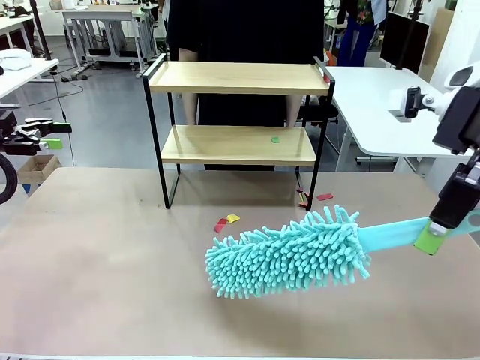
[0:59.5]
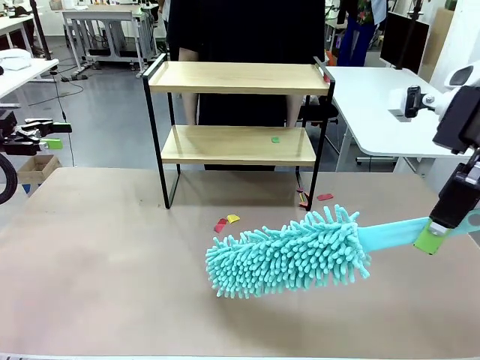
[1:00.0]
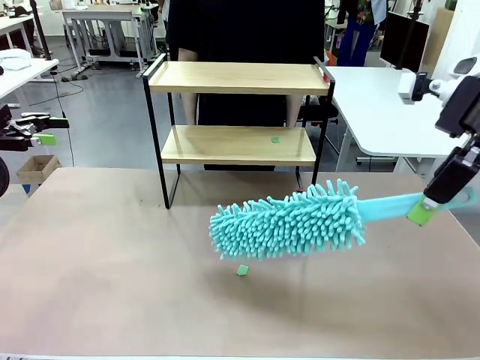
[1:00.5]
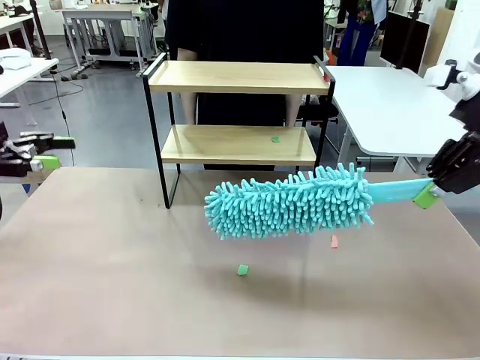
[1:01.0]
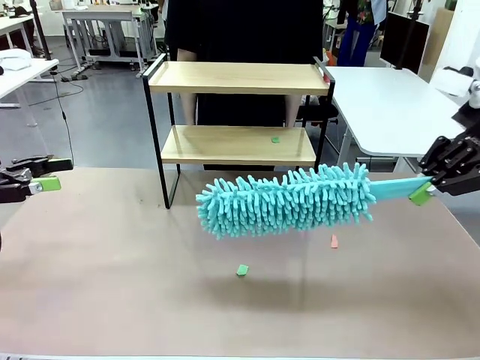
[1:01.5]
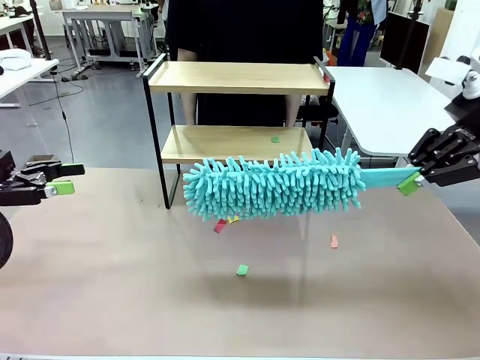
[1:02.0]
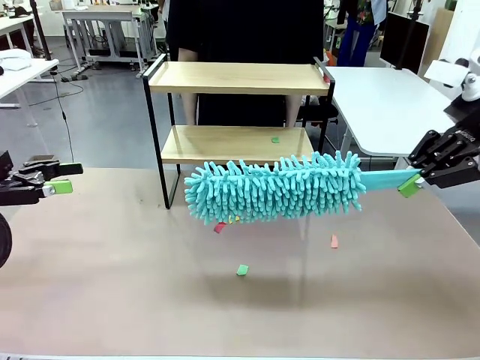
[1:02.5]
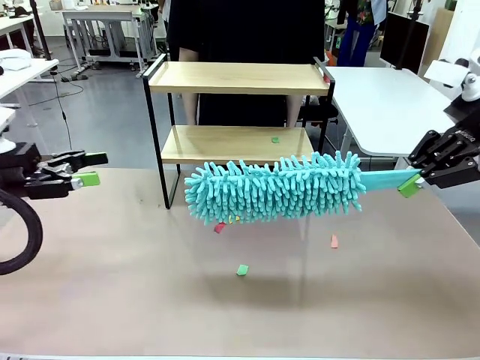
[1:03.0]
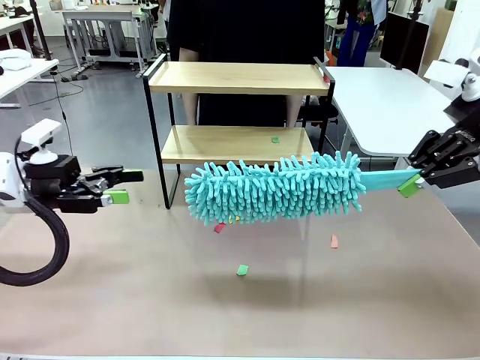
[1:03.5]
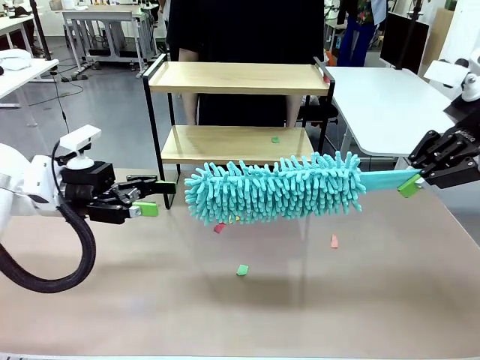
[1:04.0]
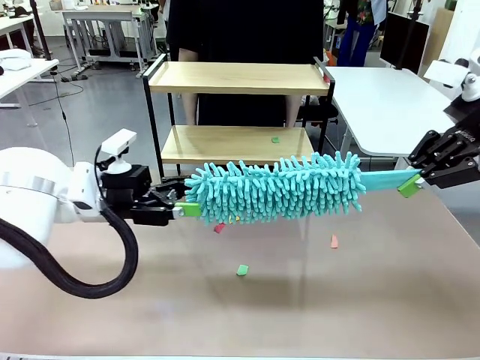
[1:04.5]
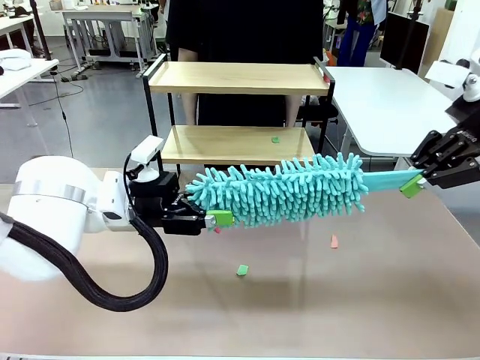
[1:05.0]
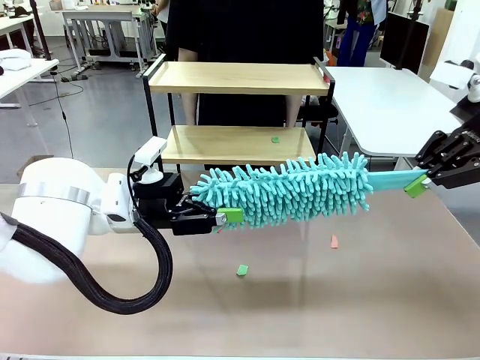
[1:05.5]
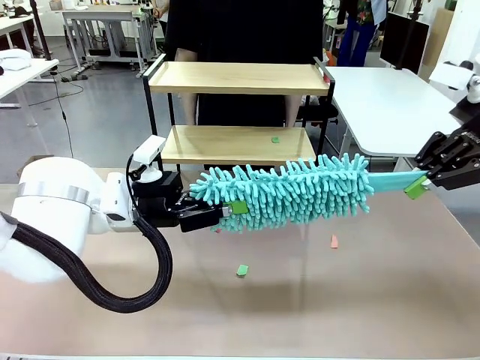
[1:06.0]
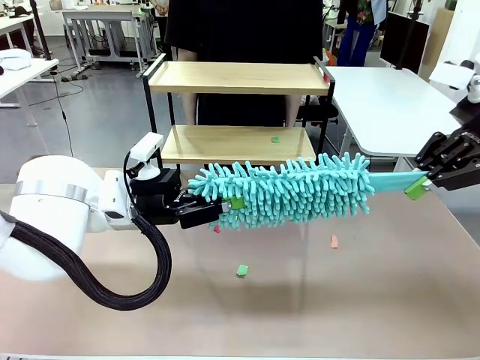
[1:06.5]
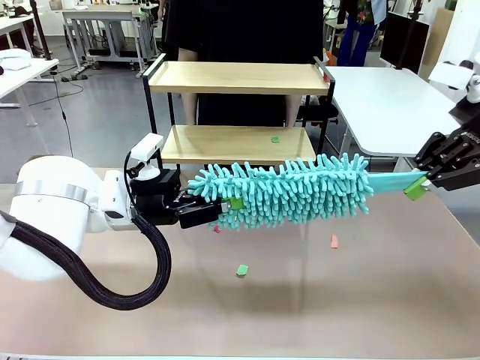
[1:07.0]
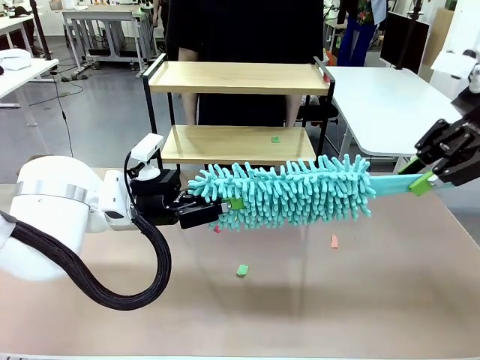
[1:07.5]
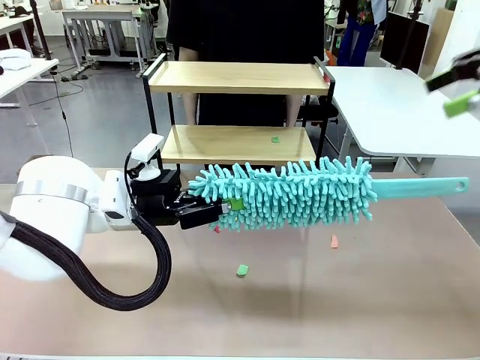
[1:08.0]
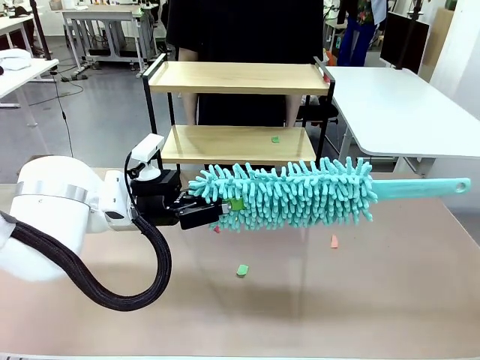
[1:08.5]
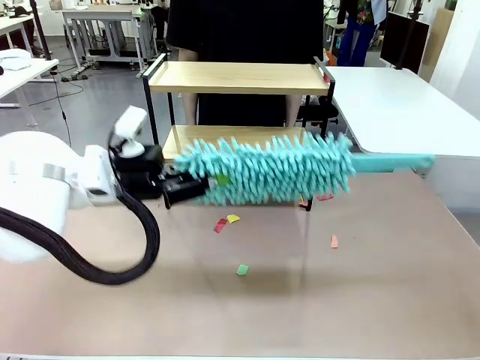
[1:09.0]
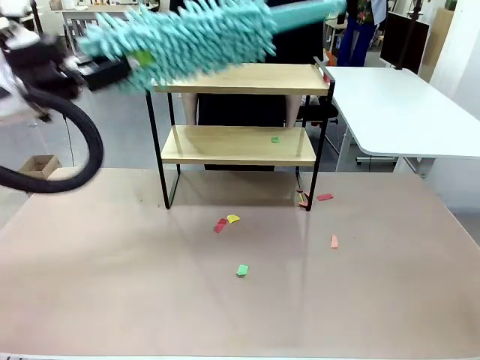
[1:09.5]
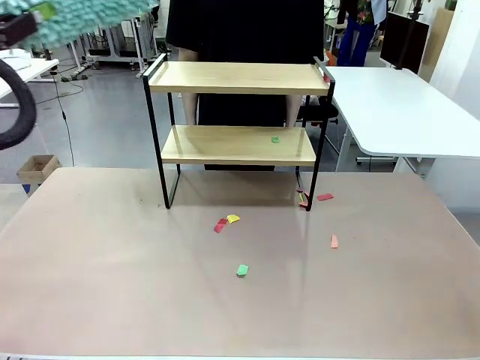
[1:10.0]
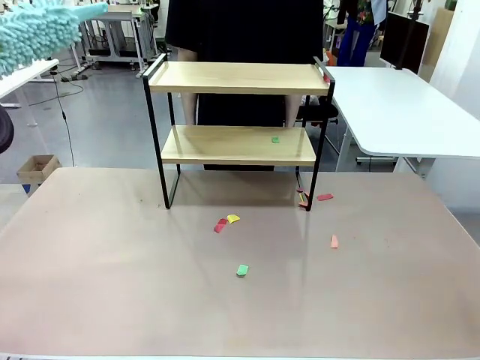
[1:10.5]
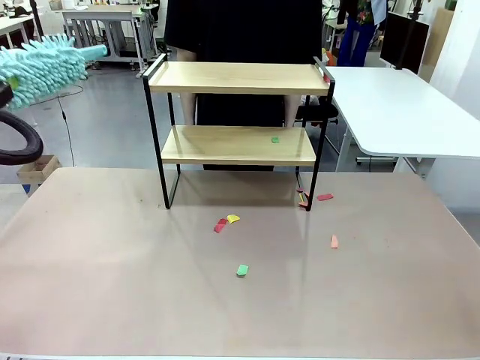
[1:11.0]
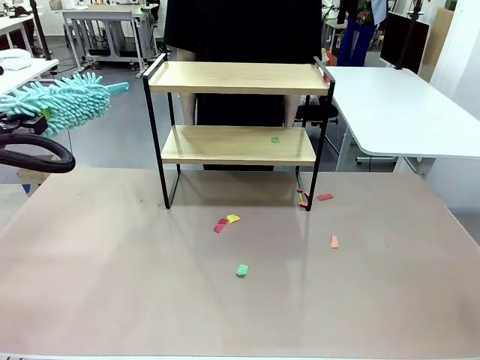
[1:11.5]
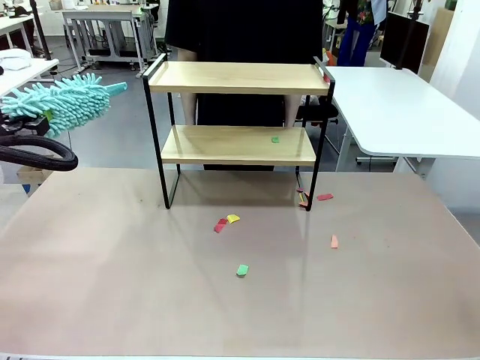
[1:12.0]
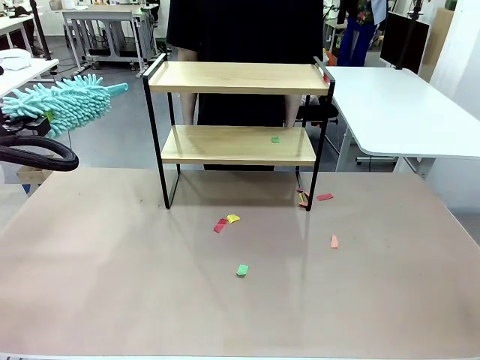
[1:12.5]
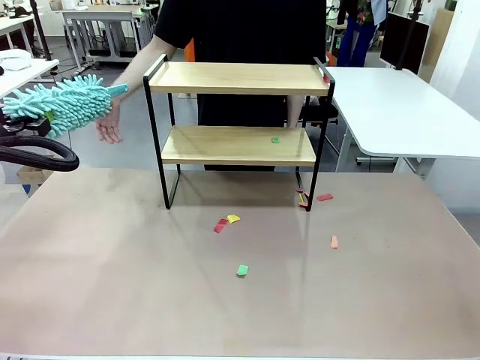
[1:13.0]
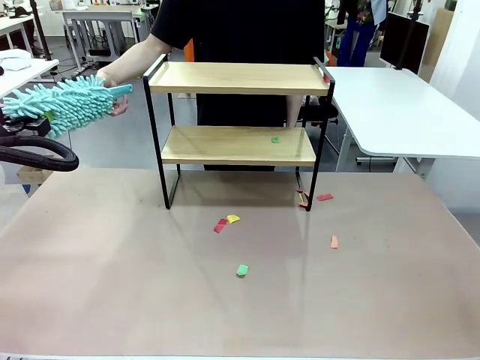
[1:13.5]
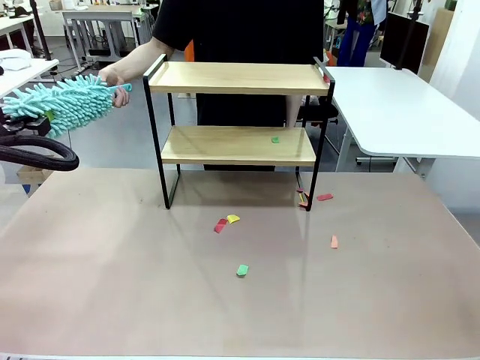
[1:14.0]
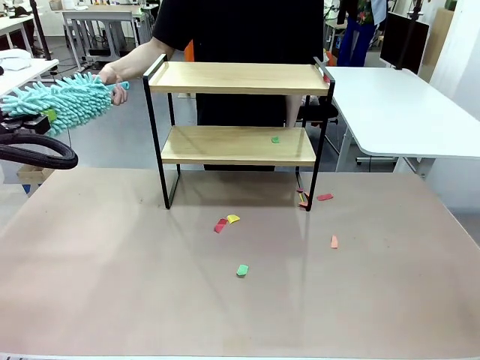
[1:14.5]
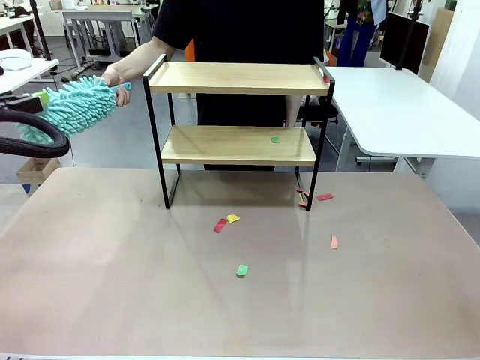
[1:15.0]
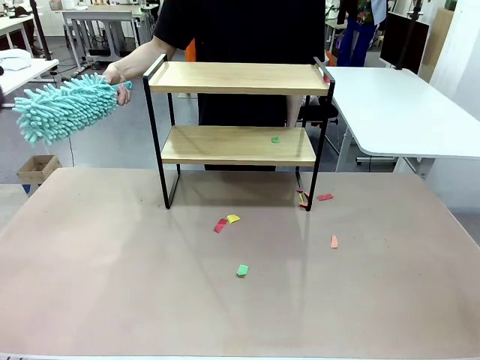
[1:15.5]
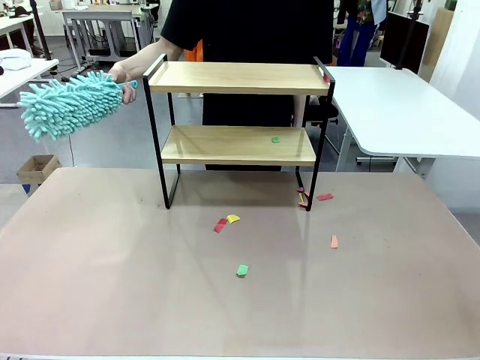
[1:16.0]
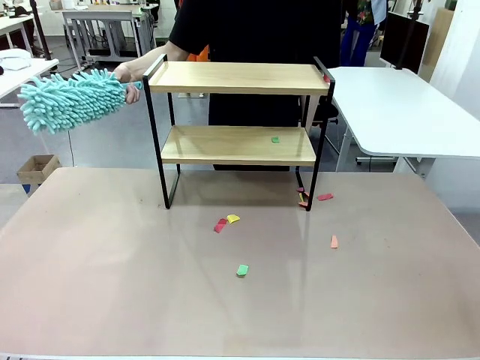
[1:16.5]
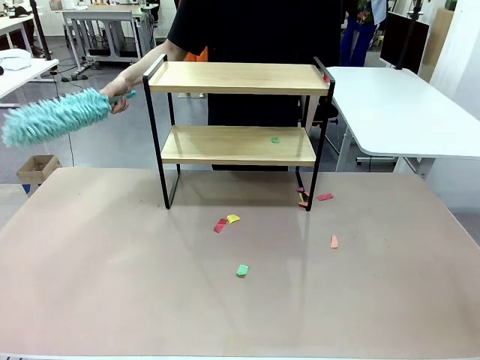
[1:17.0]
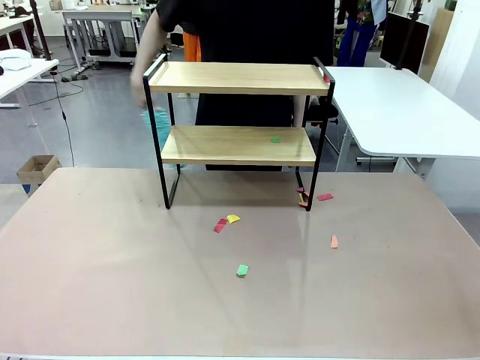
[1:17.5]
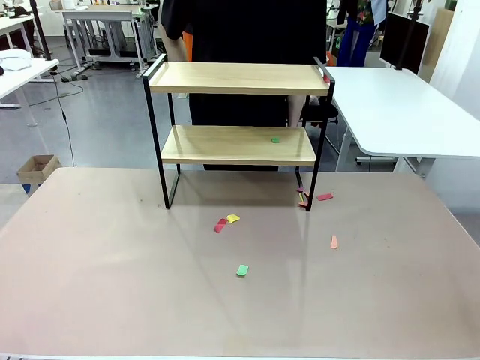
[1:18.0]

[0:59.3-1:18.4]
Task: Clean the shelf.
Robot: Hand the Duster back to the human.
Person: Receive the Duster from the robot.

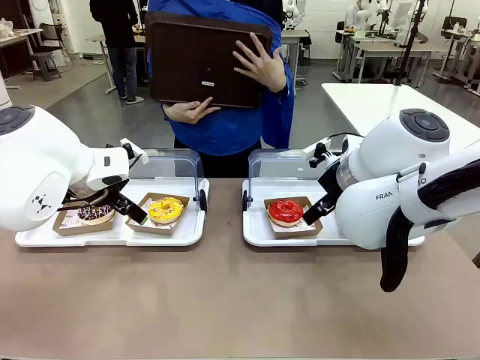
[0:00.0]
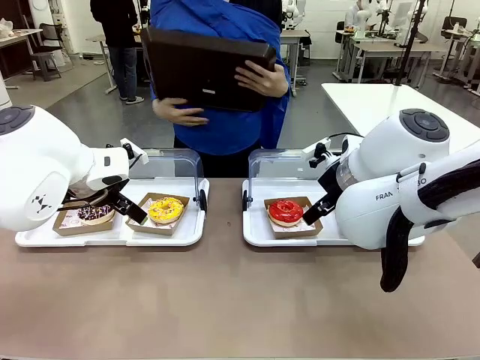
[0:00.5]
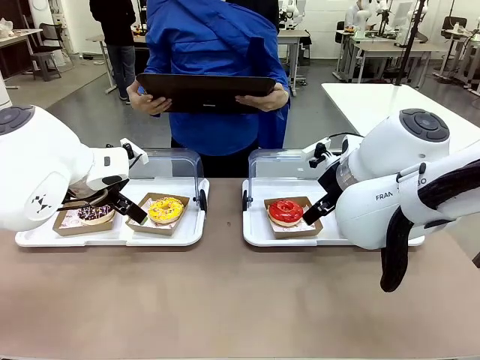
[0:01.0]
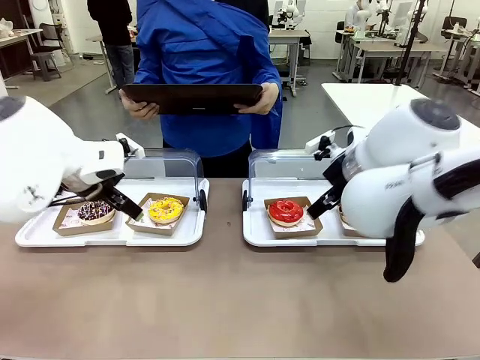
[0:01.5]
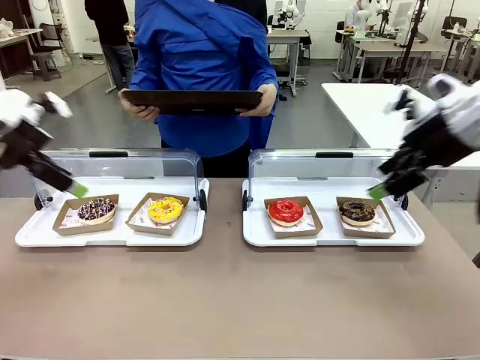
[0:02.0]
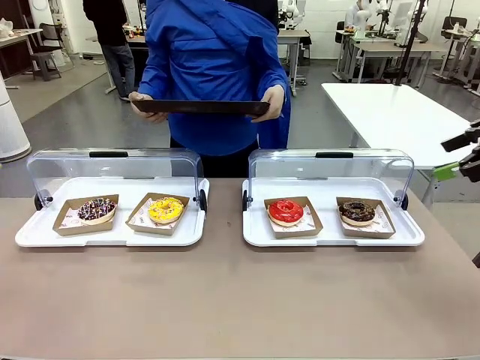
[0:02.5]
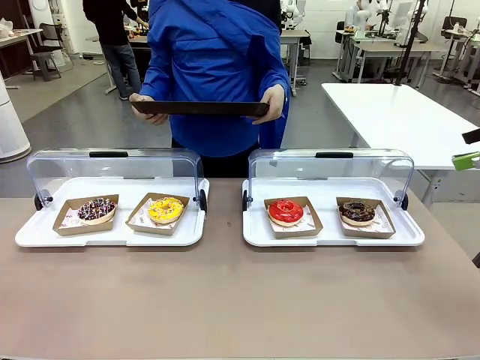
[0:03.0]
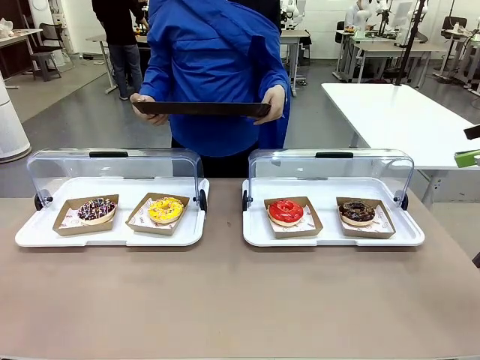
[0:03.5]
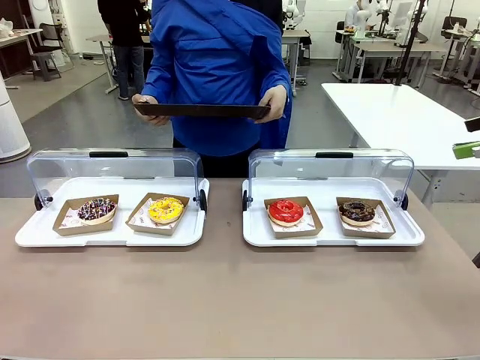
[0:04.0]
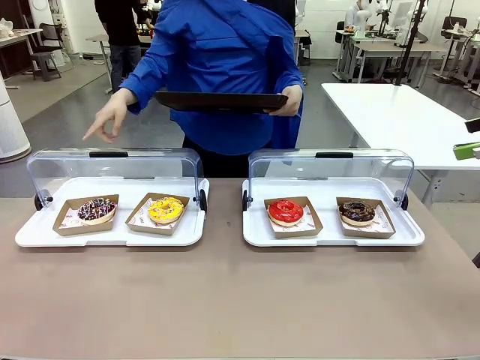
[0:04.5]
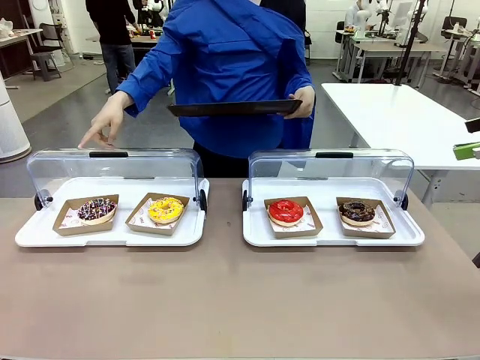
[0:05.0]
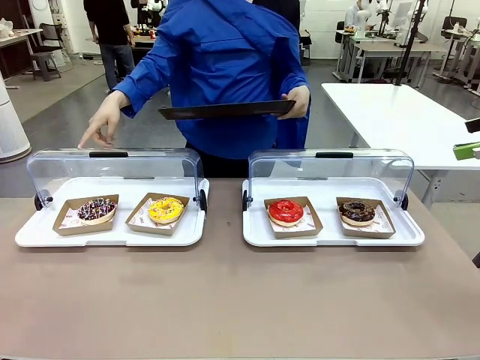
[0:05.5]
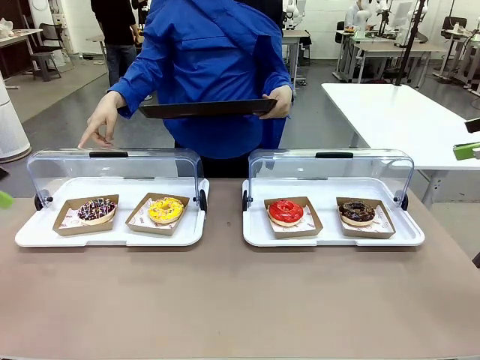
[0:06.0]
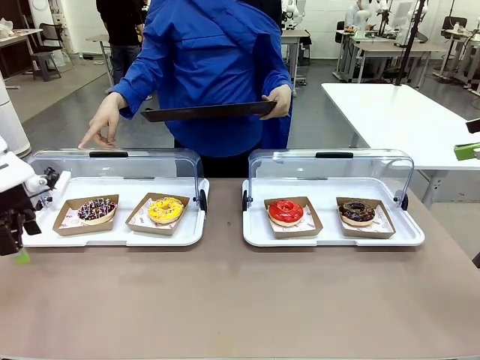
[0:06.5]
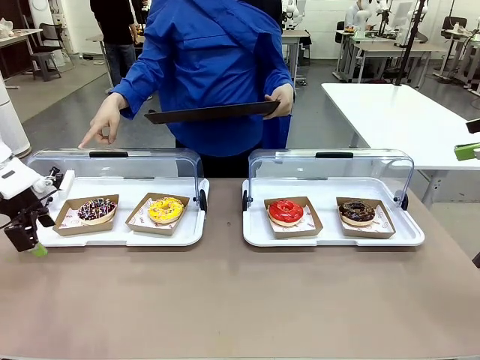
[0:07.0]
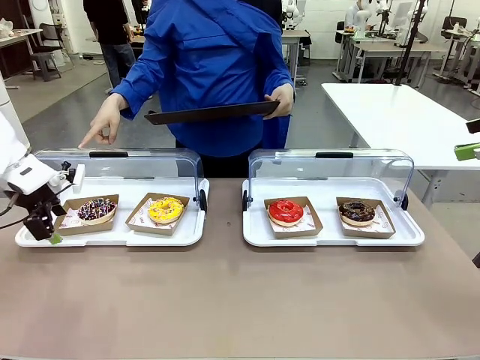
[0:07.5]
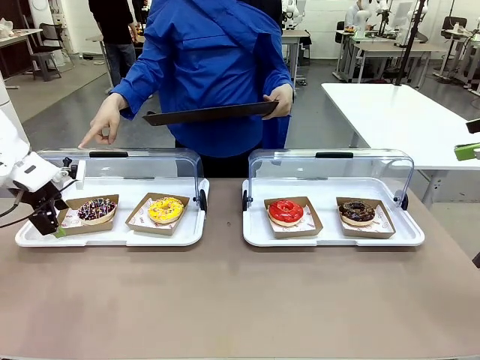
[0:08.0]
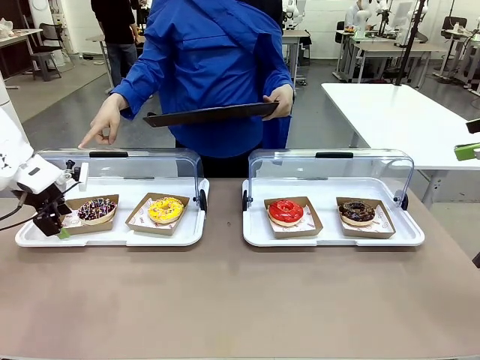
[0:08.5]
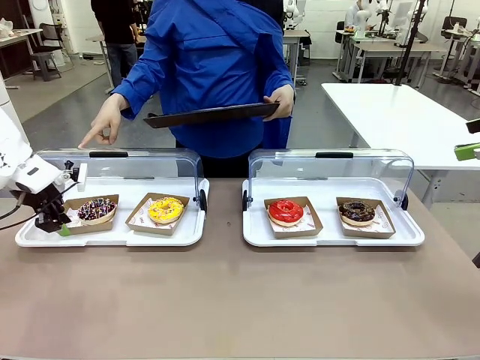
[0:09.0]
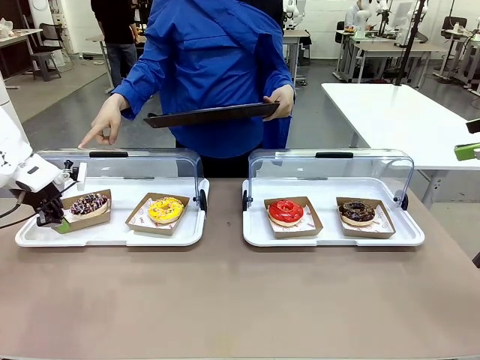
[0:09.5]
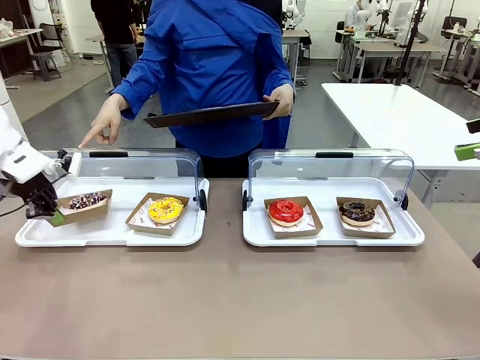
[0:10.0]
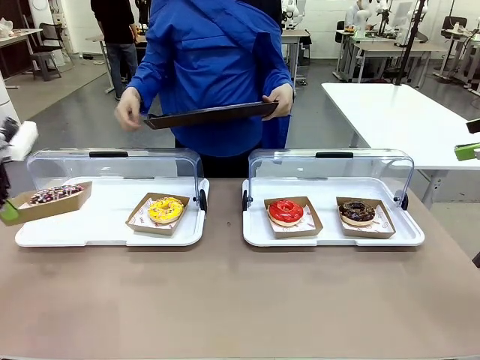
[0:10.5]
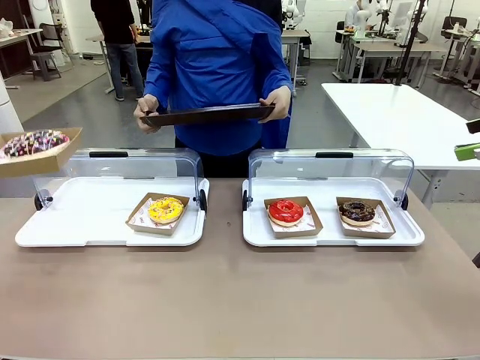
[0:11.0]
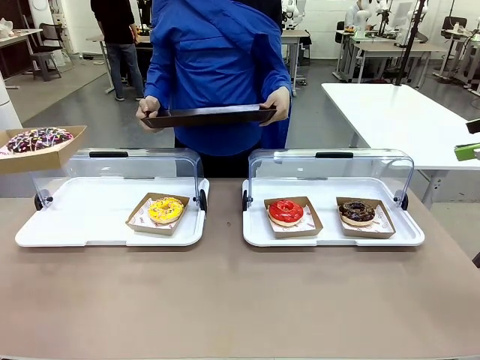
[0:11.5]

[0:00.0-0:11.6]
Task: Provide the desired donut to the person.
Robot: Pick up and lift the Paper togo box containing the Donut pointed at by the person.
Person: Point to one donut. Lift the tray onto the Roll-Top Bakery Case.
